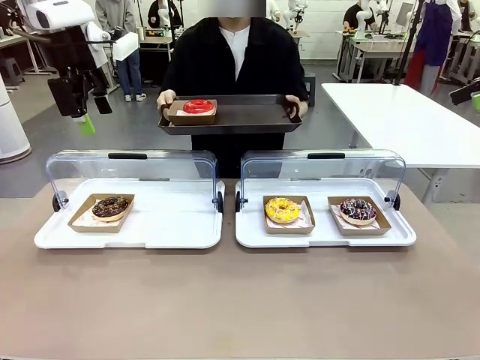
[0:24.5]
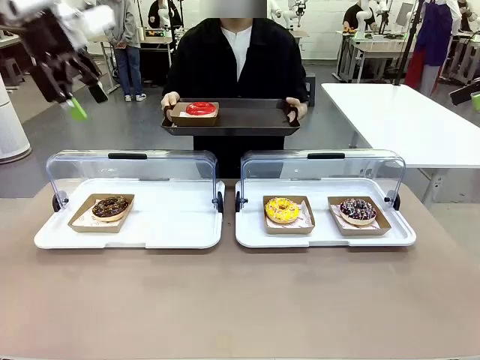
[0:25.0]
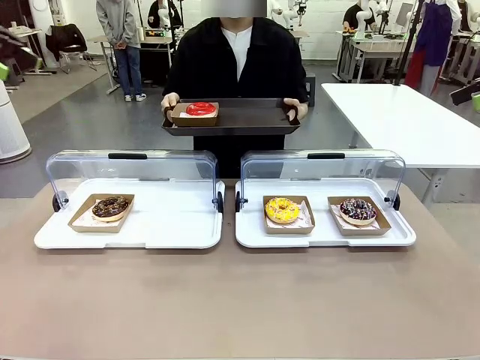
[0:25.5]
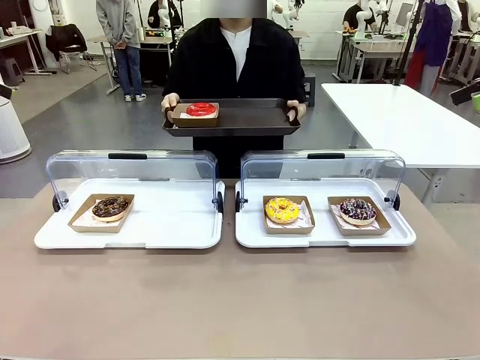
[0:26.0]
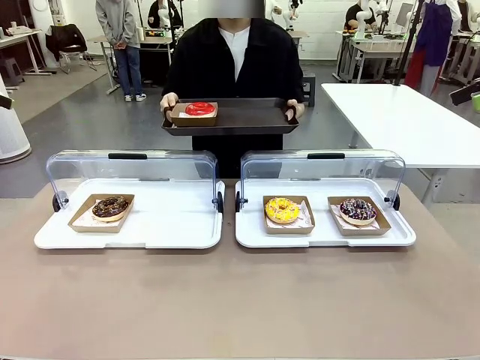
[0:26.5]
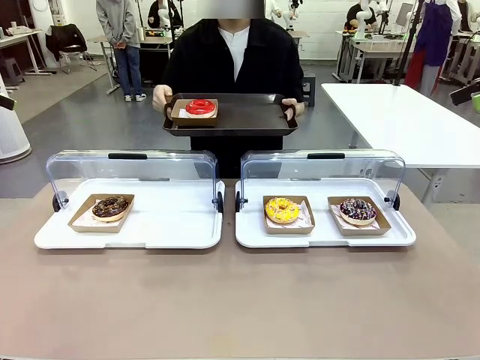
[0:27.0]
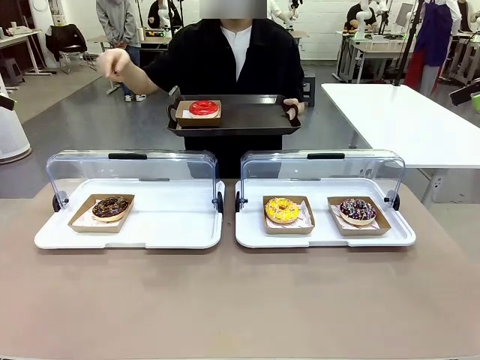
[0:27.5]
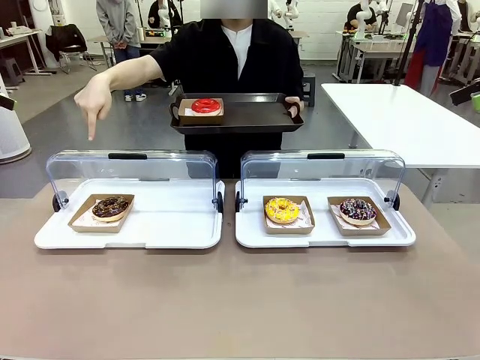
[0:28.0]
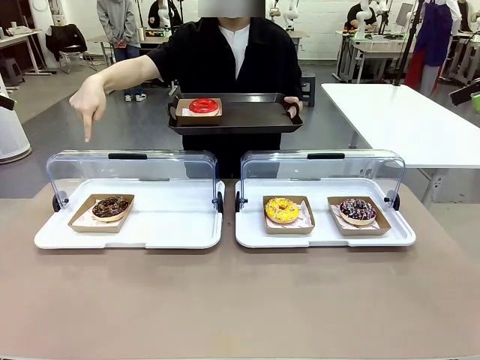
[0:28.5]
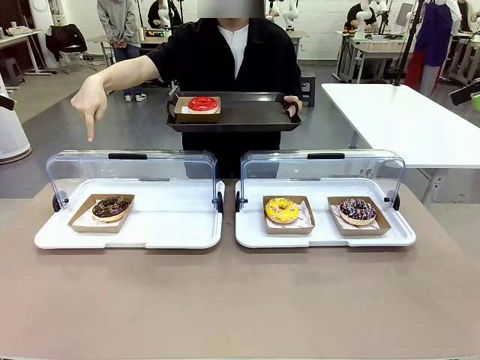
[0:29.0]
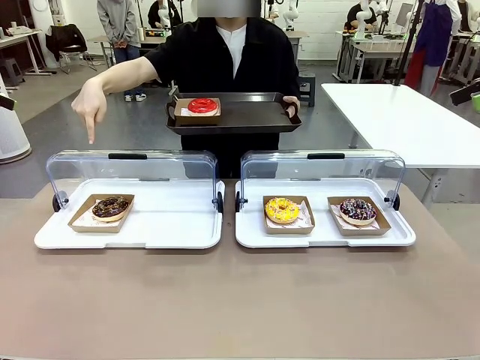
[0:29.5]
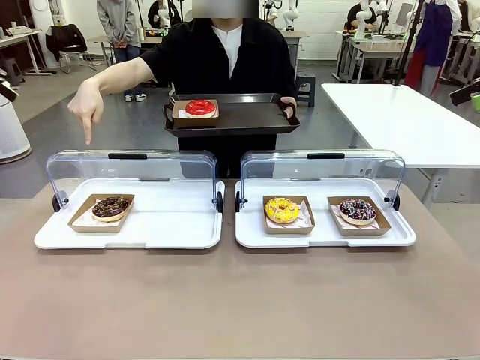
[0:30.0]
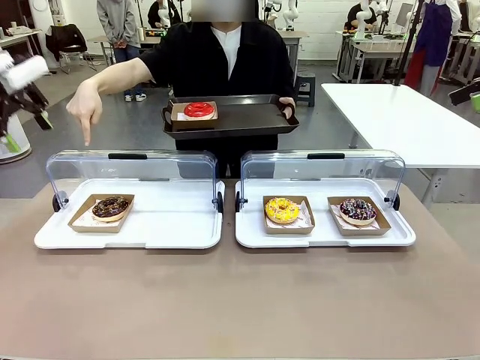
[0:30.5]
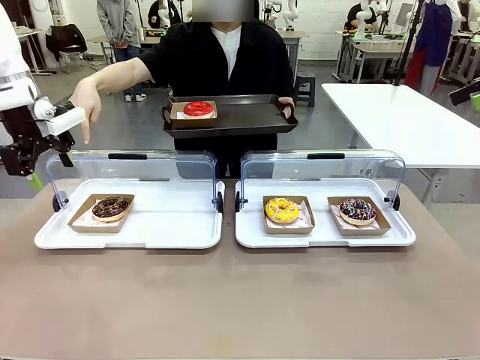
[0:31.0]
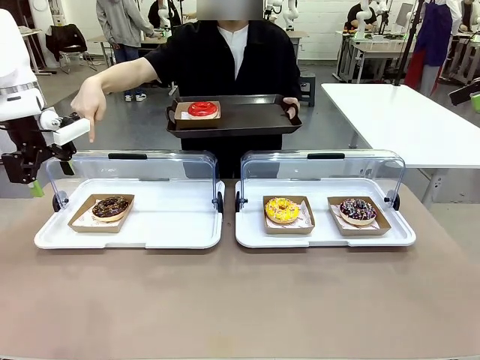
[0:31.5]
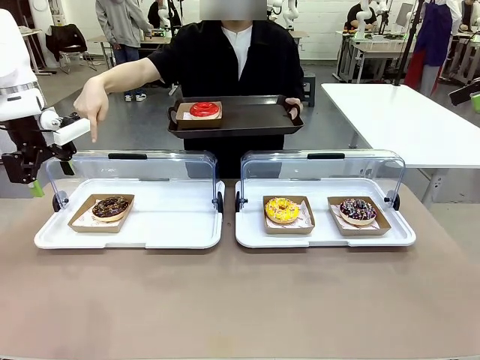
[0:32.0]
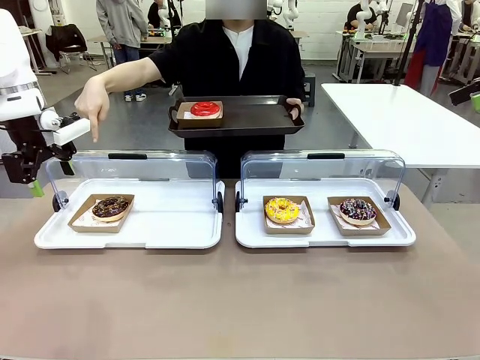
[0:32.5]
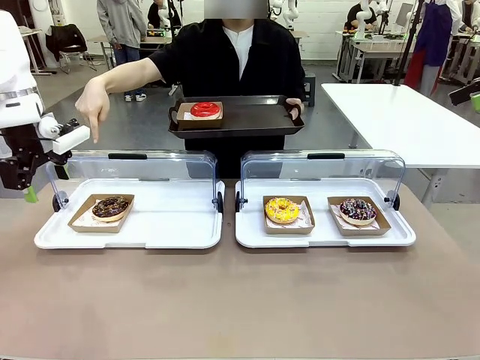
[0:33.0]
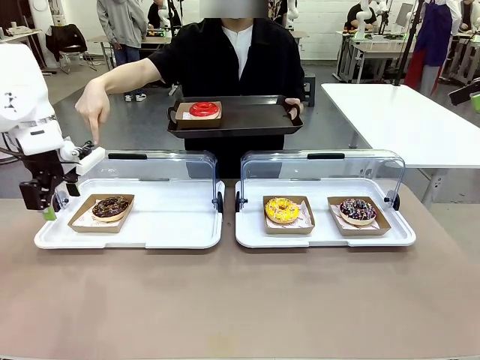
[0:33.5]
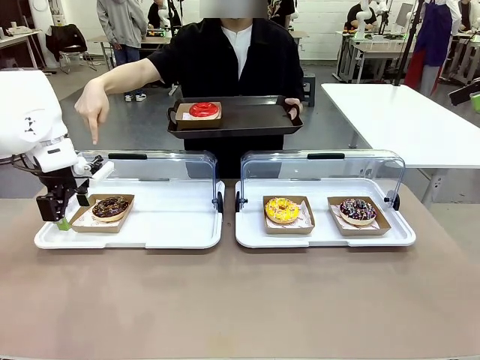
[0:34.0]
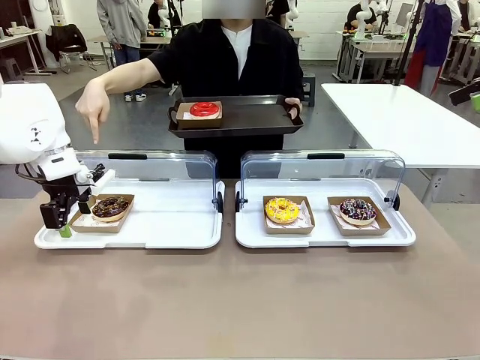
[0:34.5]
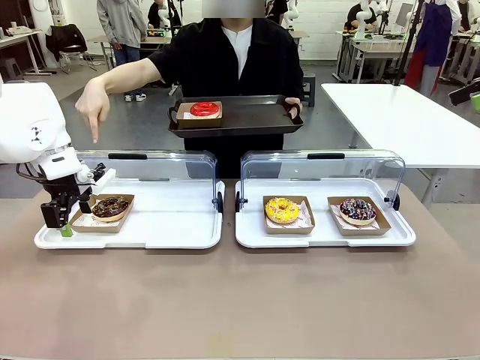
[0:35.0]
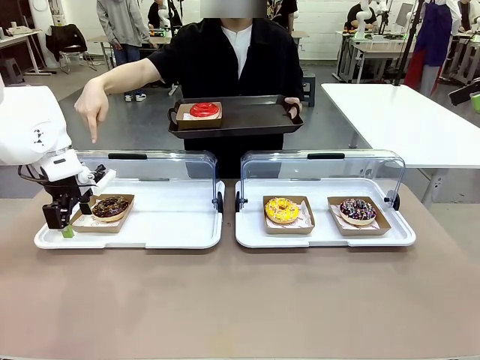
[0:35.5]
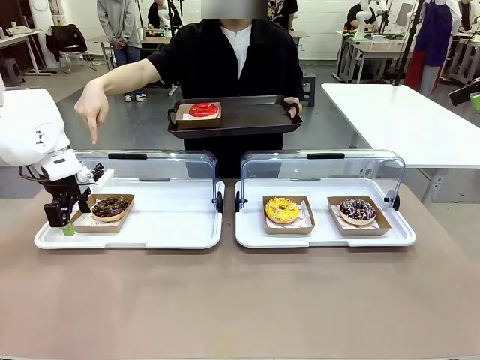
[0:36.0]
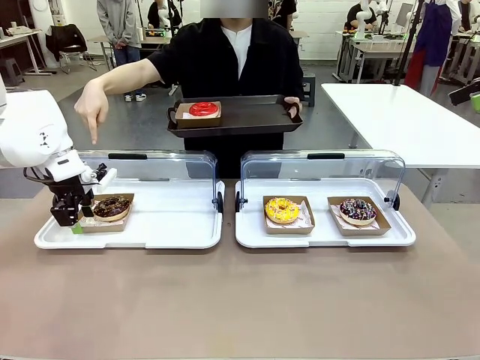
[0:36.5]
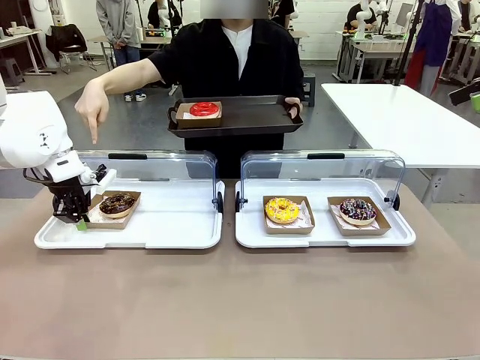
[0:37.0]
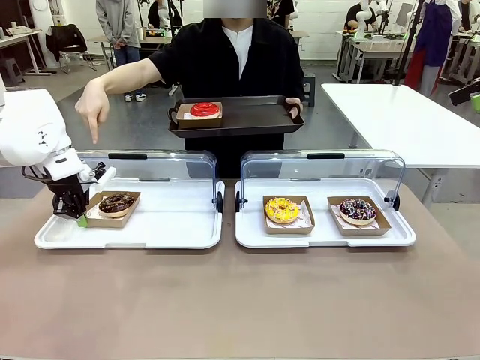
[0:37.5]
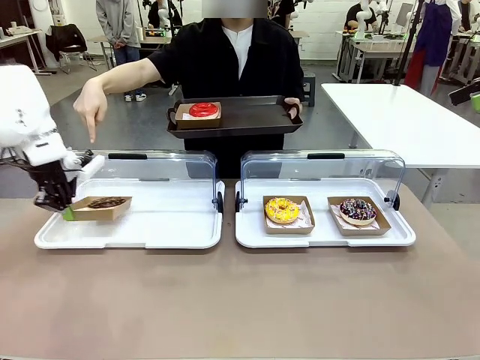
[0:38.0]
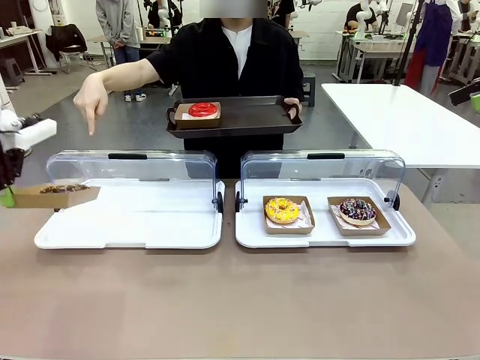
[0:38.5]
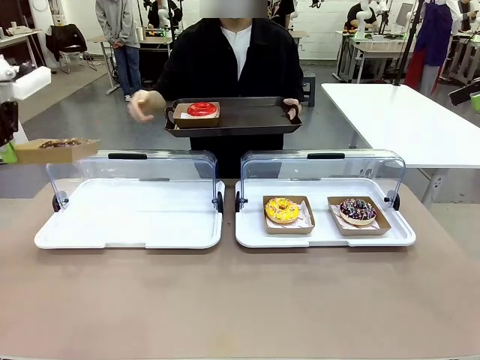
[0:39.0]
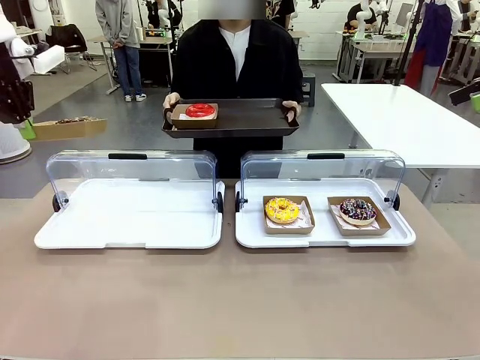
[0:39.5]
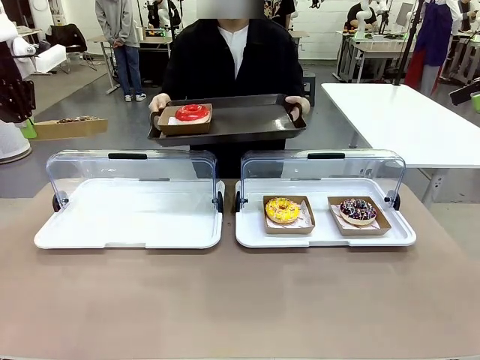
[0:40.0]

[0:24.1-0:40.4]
Task: Provide the desired donut to the person.
Robot: Pick up and lift the Paper togo box containing the Donut pointed at by the person.
Person: Point to one donut. Lift the tray onto the Roll-Top Bakery Case.

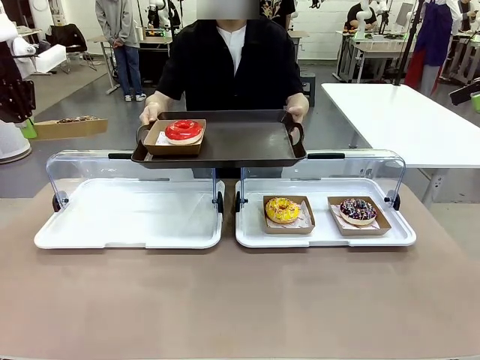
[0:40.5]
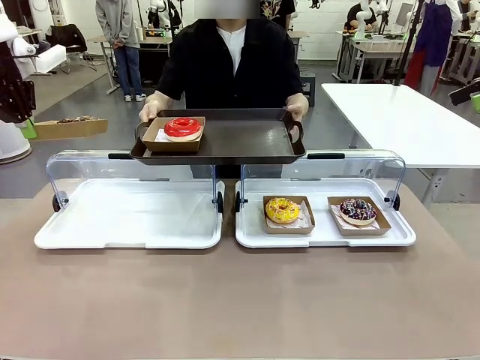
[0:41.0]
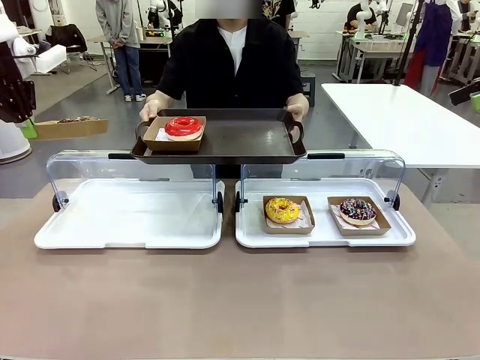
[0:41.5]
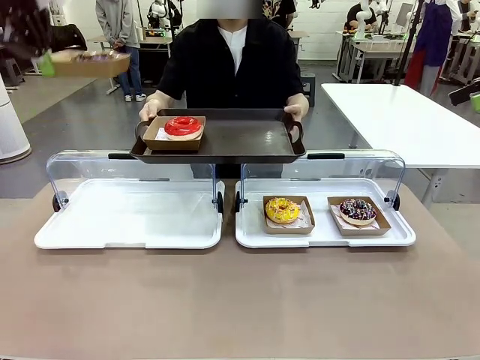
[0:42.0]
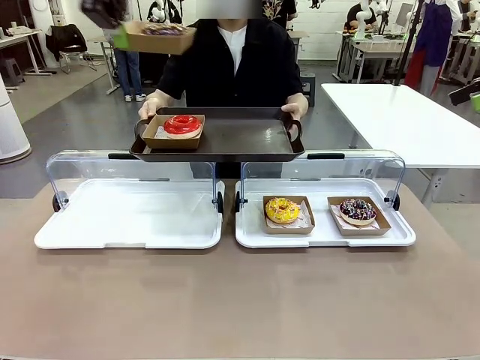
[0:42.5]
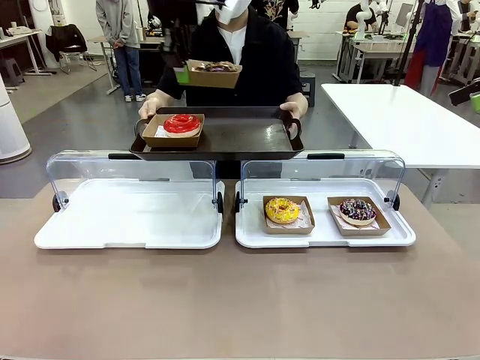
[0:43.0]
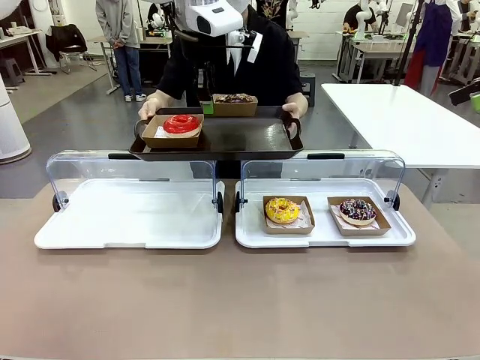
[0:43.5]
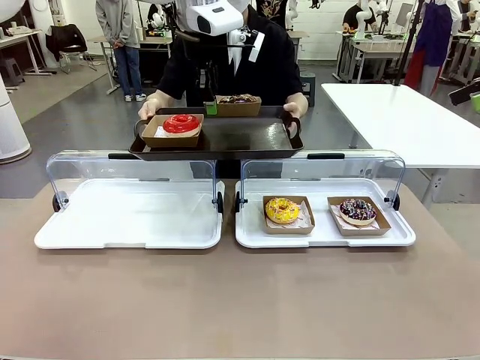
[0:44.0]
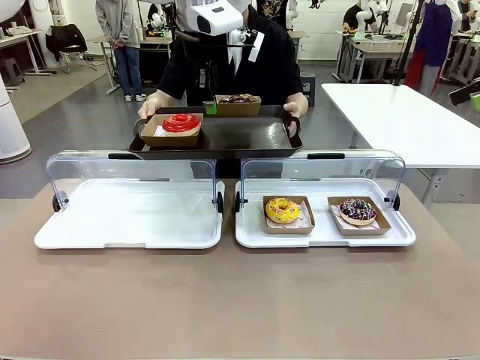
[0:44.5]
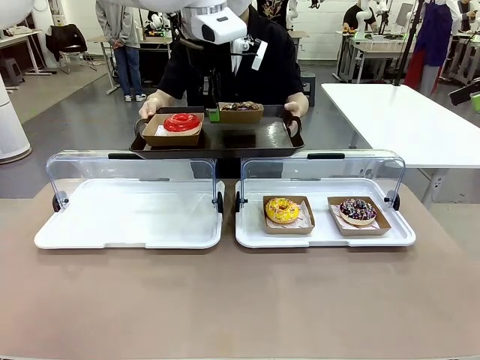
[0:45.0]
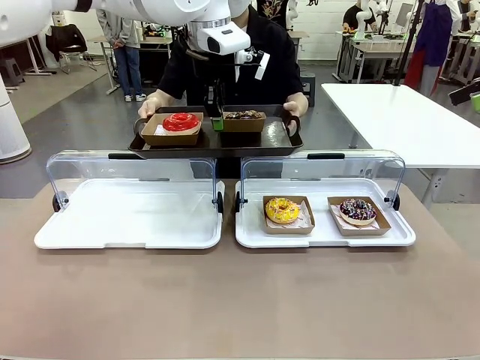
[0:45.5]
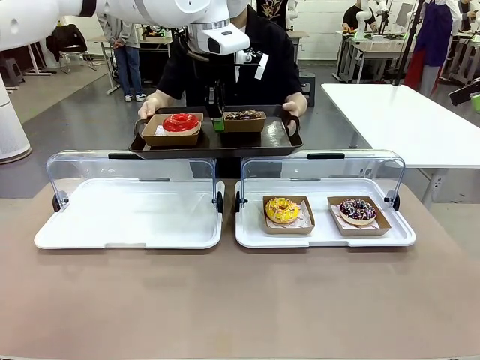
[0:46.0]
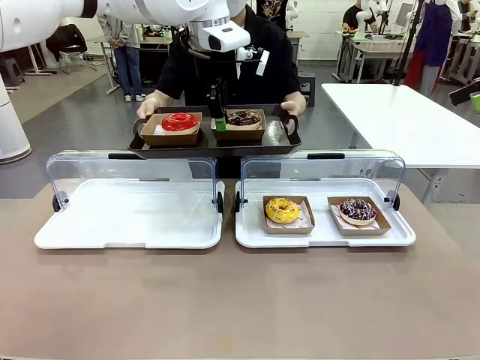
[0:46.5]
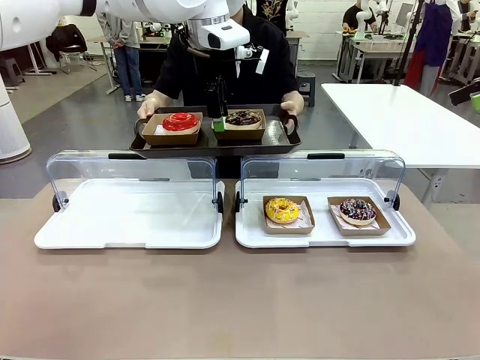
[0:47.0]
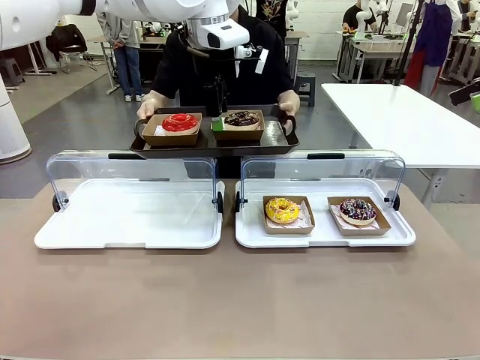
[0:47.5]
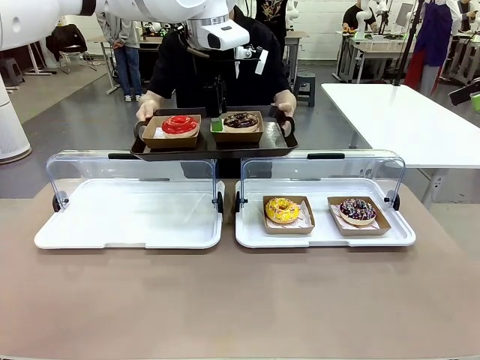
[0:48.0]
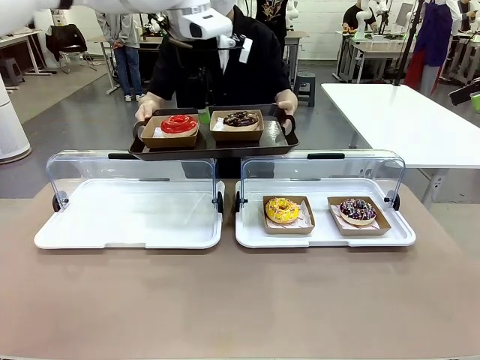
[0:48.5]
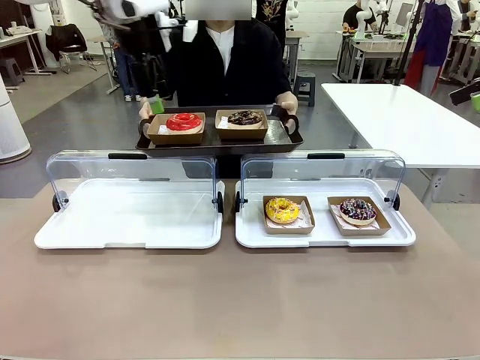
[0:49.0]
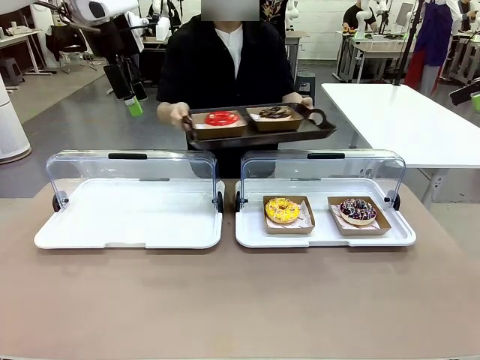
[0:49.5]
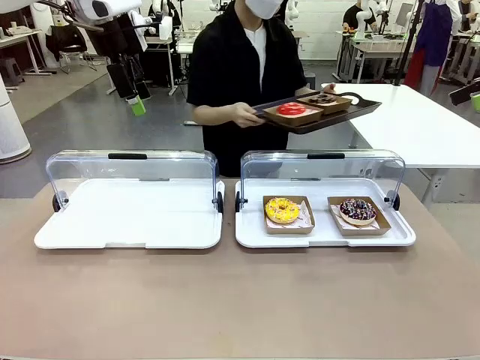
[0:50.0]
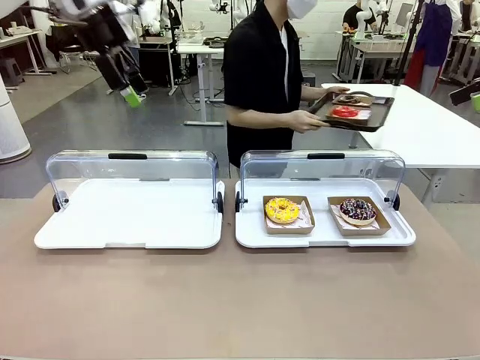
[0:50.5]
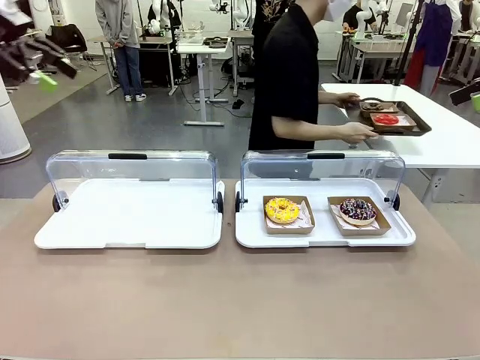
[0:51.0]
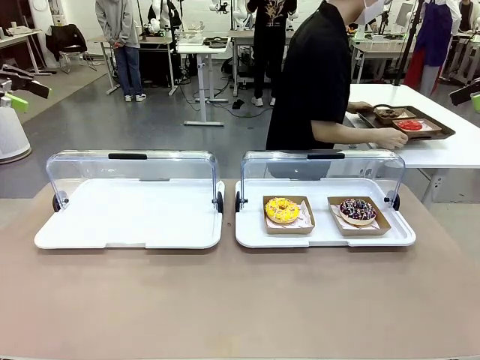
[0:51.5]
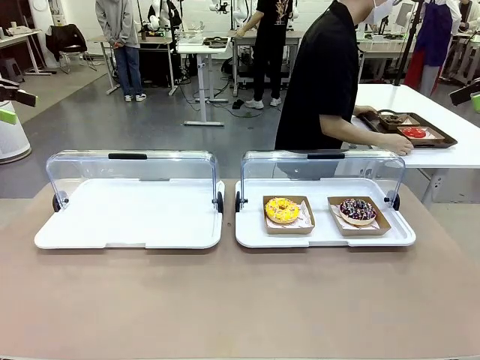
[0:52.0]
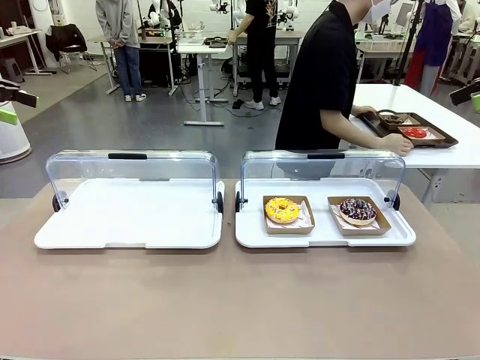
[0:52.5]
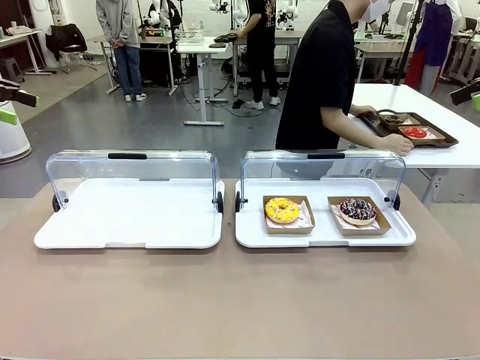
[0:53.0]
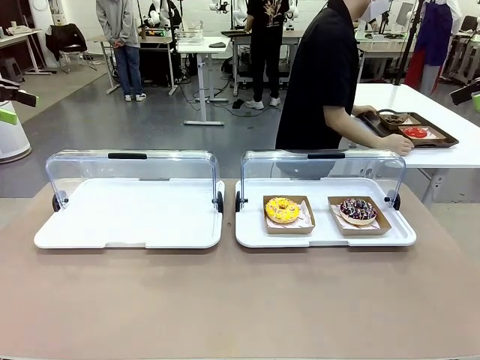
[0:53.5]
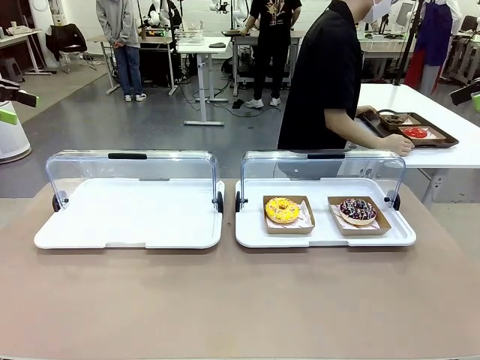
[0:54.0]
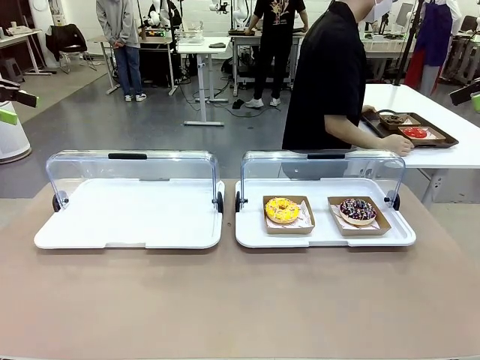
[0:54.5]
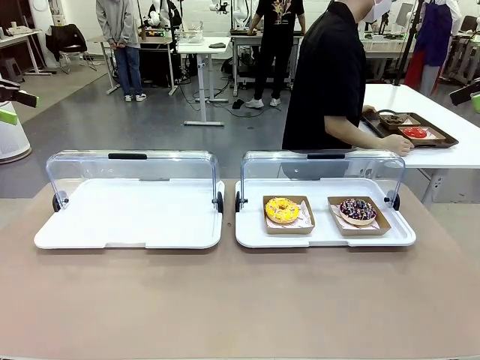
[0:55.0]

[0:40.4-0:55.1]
Robot: Place the picked Paper togo box onto the Handle tray extended by the person.
Person: Place the tray in the middle of the human table.
